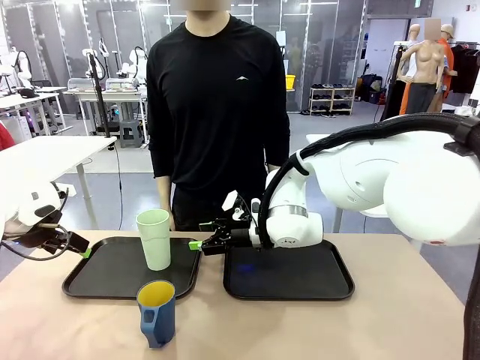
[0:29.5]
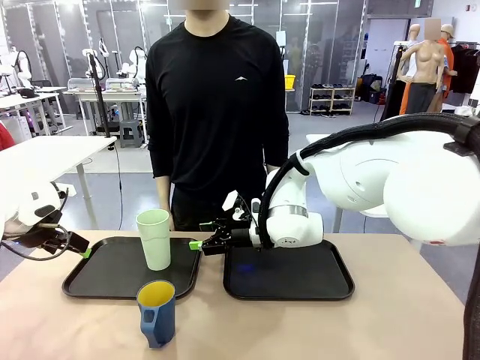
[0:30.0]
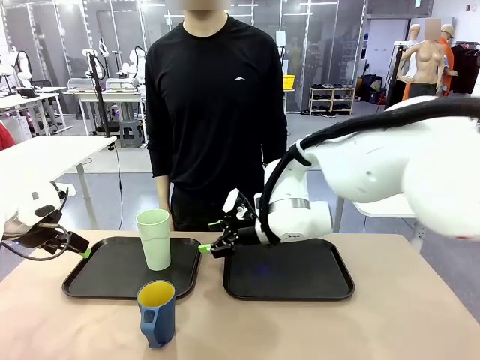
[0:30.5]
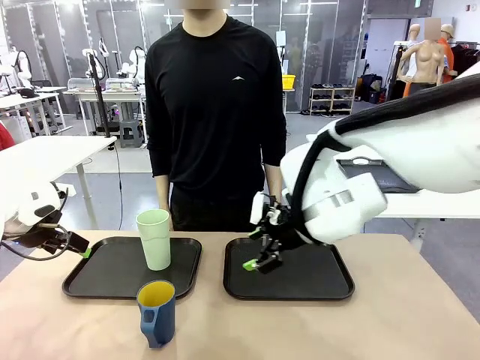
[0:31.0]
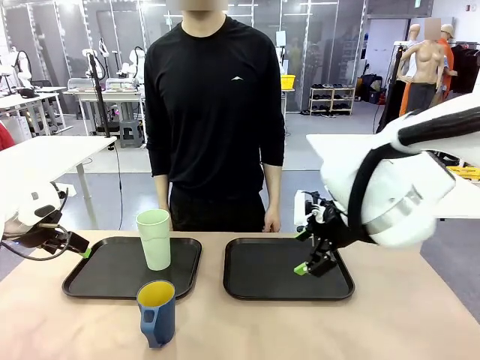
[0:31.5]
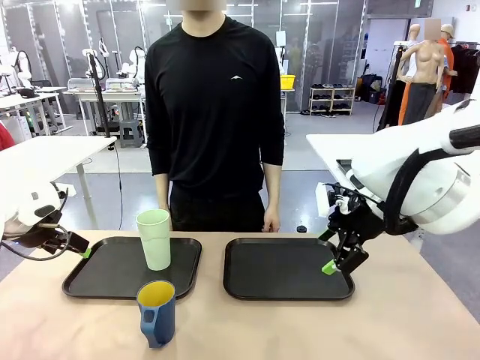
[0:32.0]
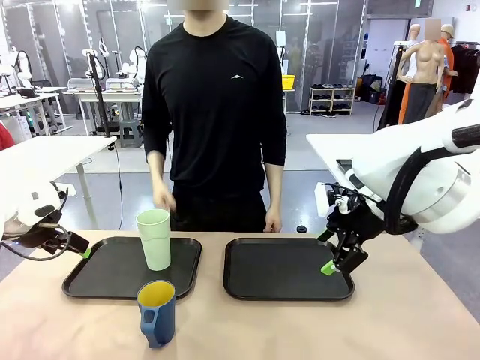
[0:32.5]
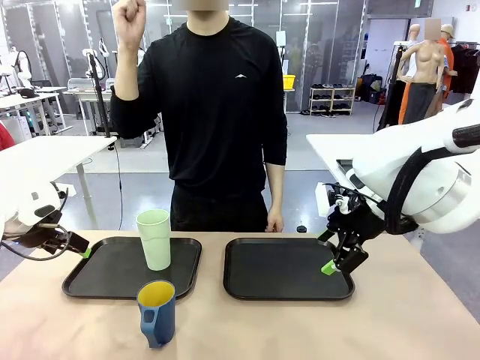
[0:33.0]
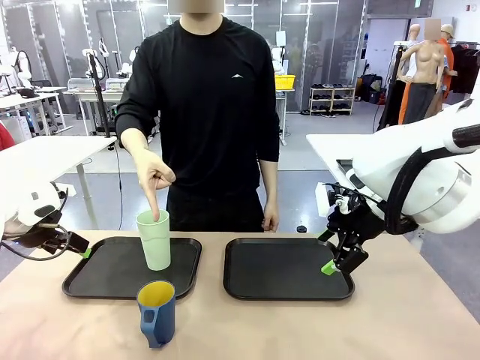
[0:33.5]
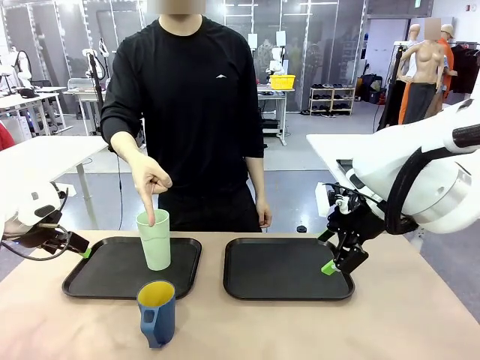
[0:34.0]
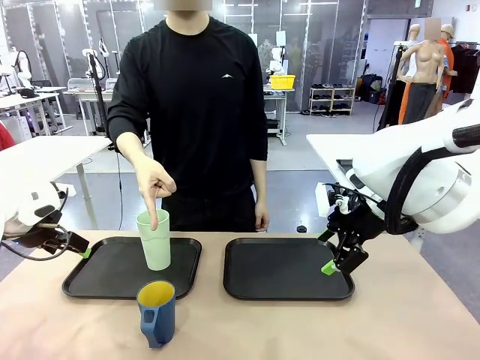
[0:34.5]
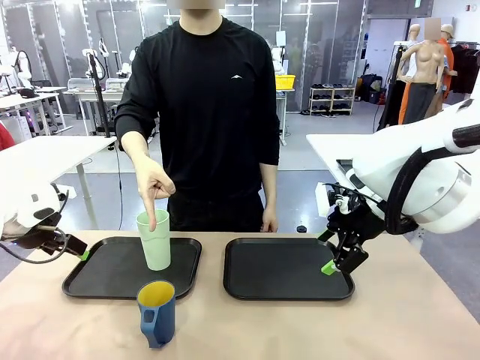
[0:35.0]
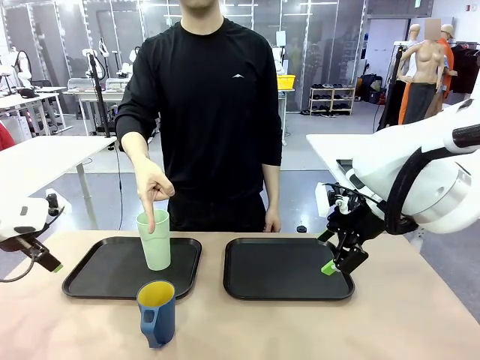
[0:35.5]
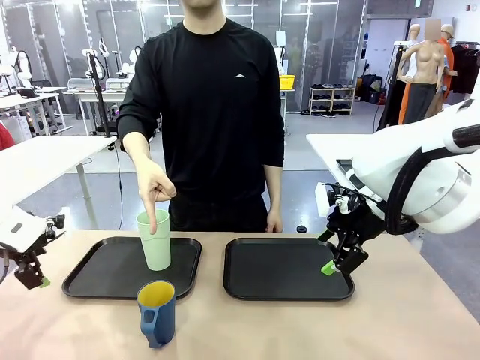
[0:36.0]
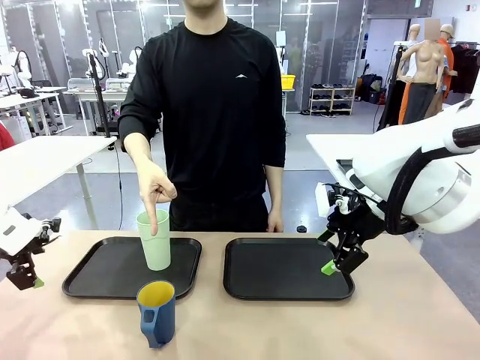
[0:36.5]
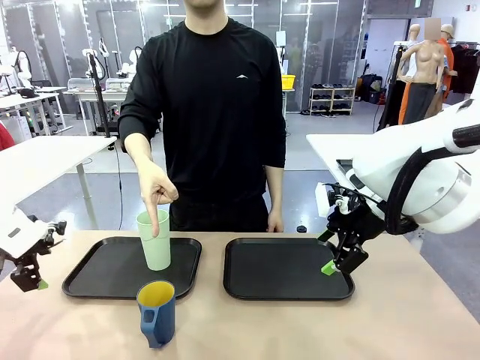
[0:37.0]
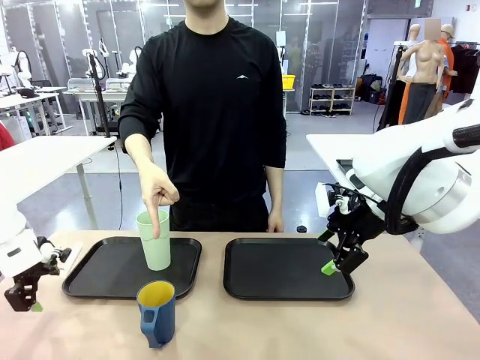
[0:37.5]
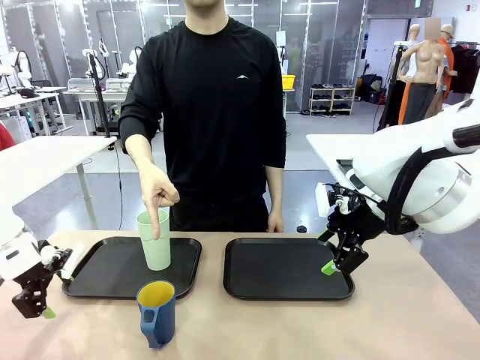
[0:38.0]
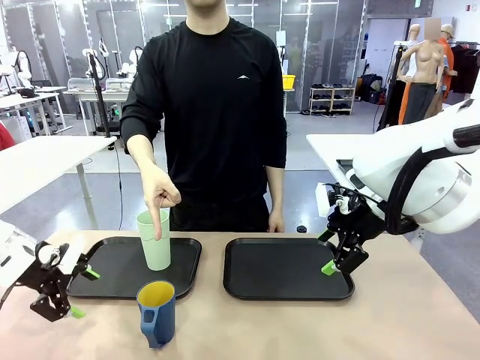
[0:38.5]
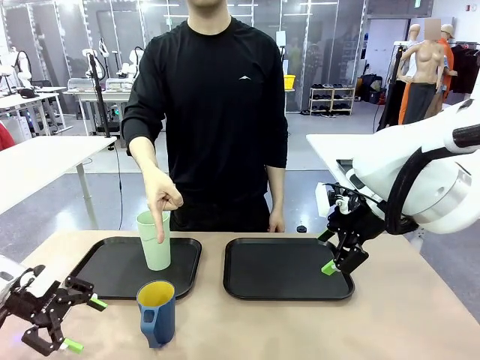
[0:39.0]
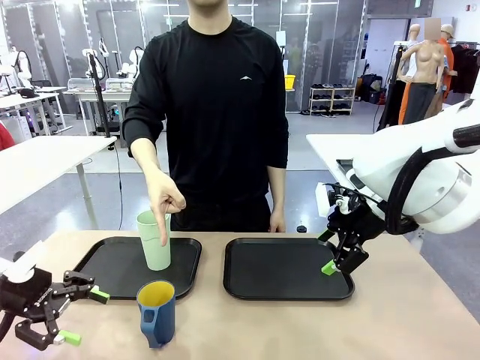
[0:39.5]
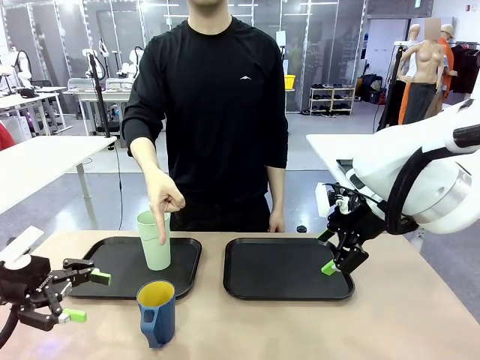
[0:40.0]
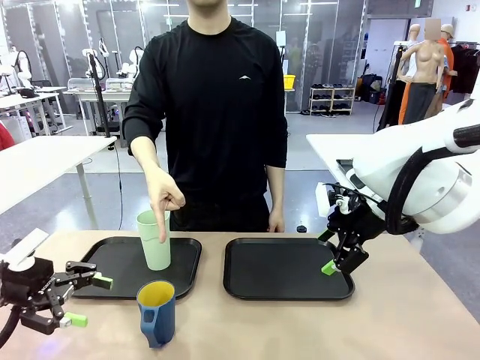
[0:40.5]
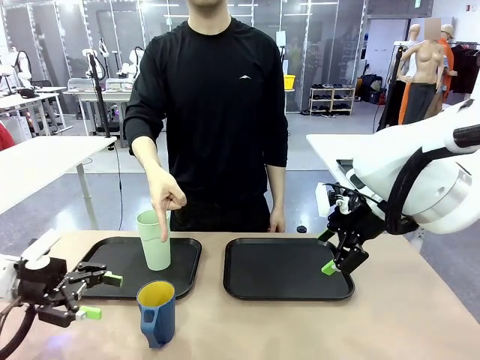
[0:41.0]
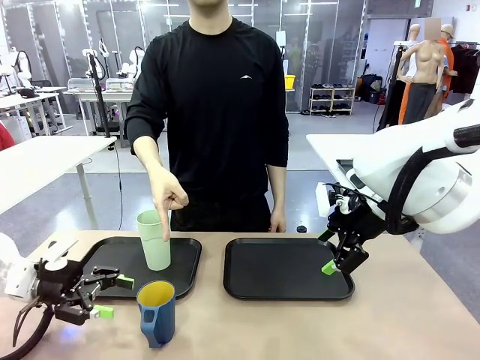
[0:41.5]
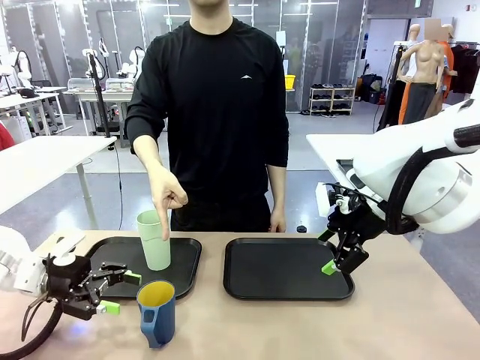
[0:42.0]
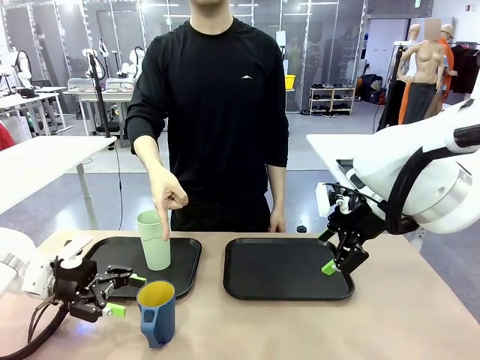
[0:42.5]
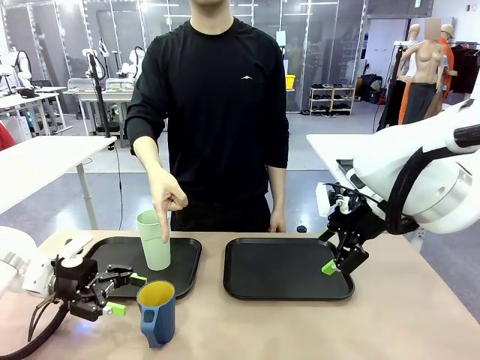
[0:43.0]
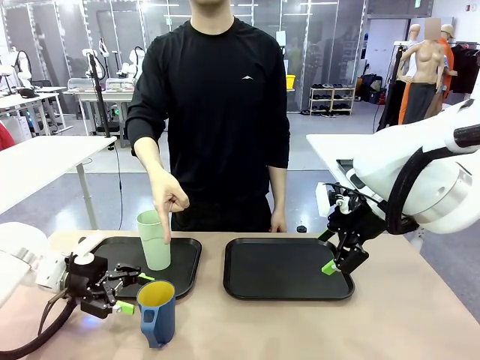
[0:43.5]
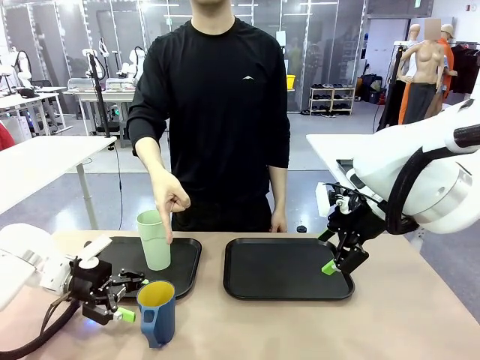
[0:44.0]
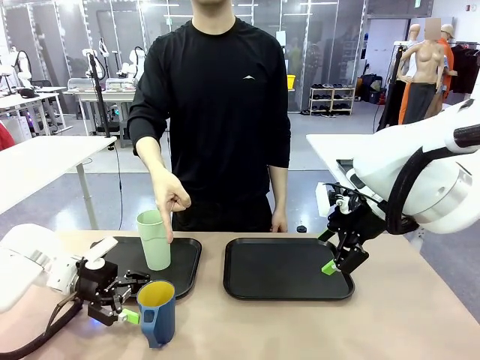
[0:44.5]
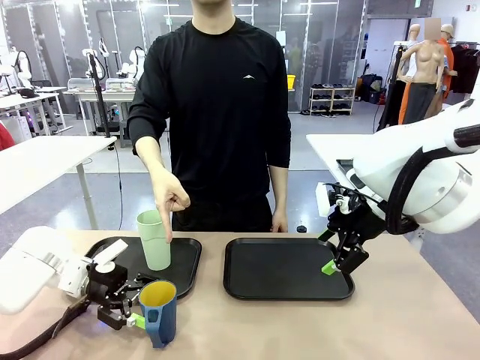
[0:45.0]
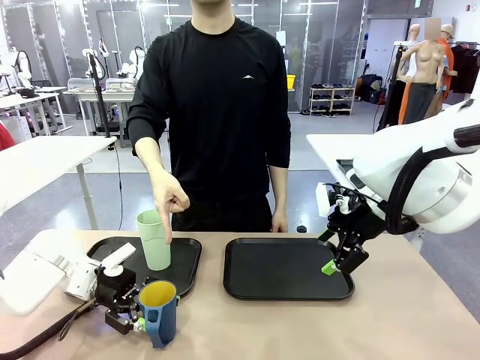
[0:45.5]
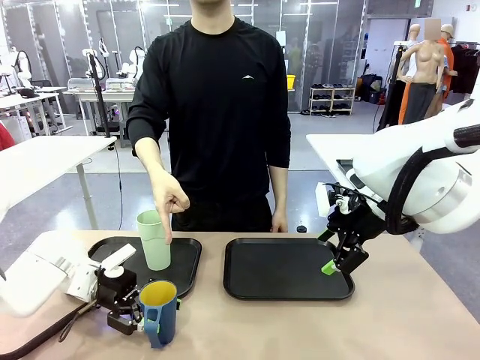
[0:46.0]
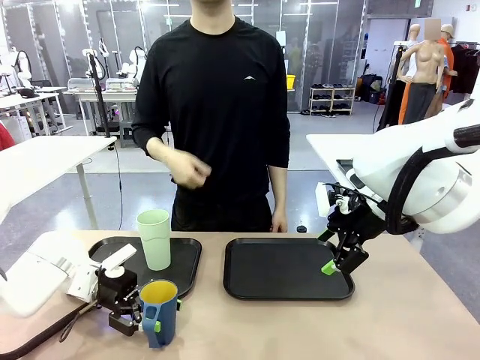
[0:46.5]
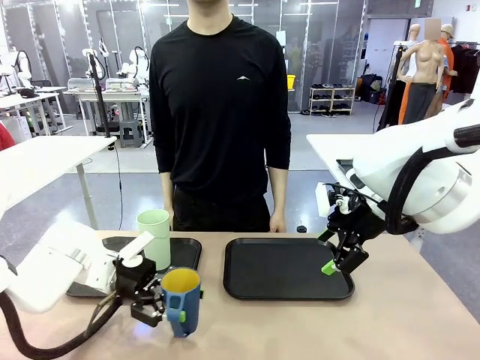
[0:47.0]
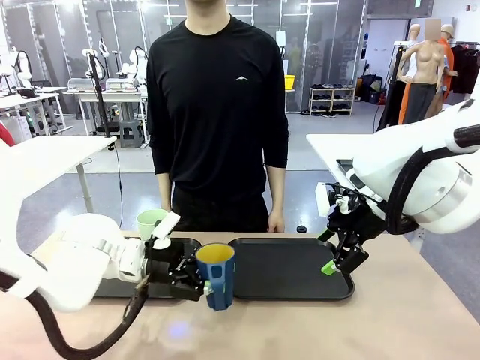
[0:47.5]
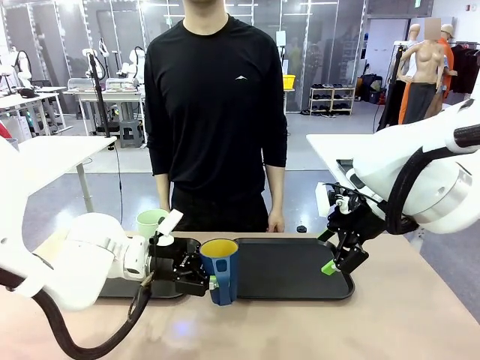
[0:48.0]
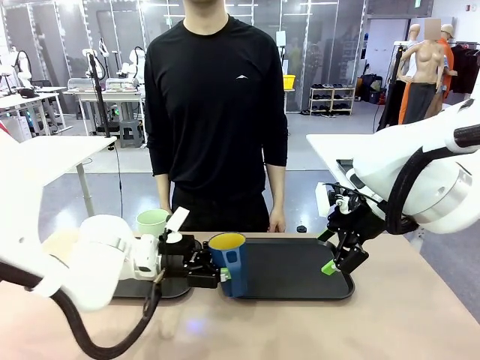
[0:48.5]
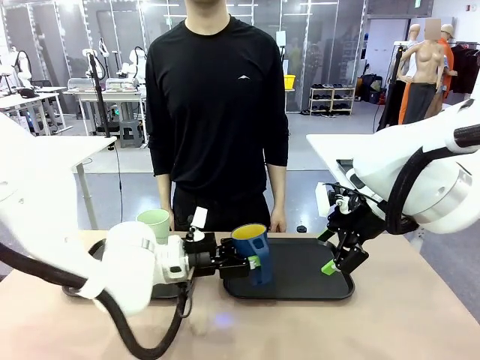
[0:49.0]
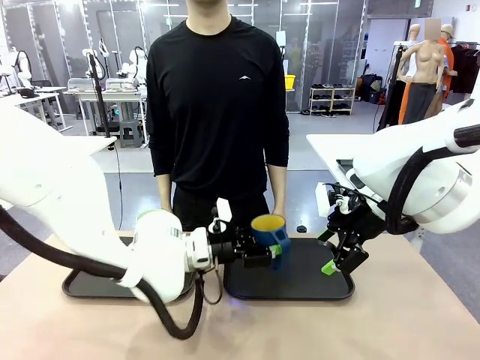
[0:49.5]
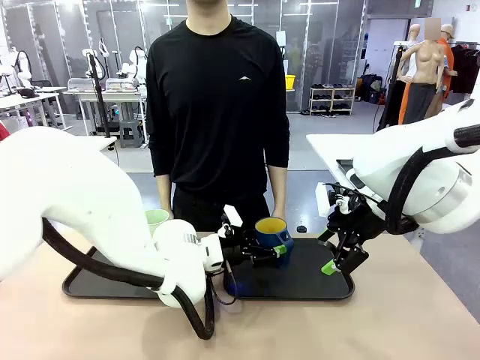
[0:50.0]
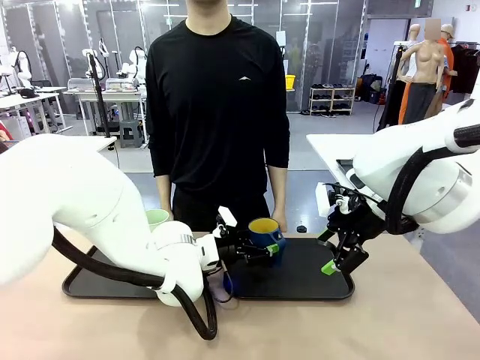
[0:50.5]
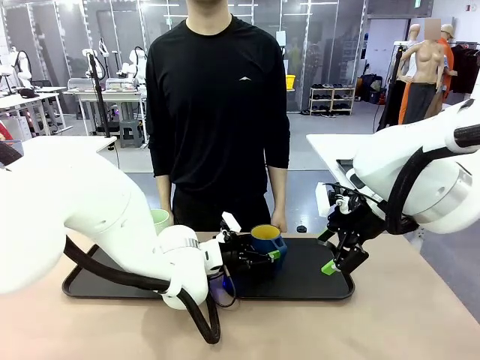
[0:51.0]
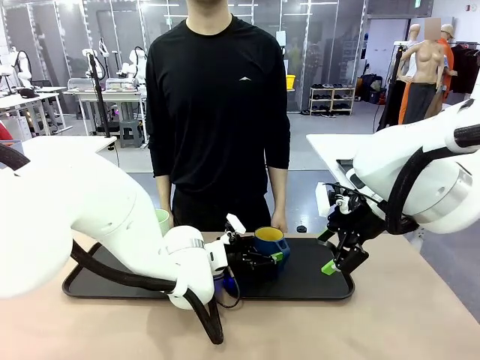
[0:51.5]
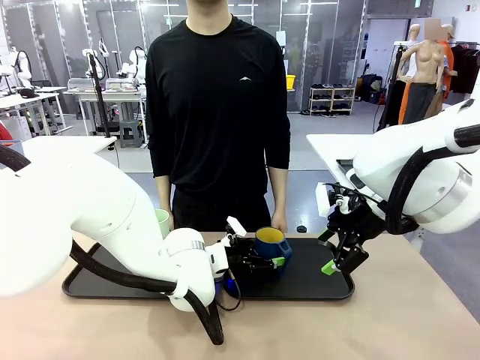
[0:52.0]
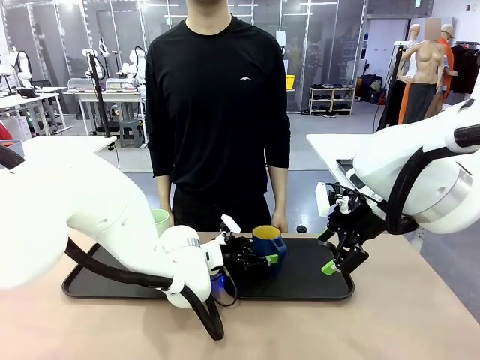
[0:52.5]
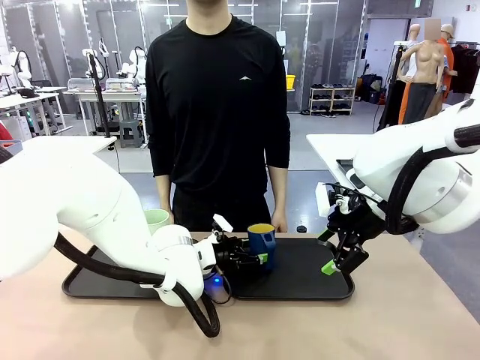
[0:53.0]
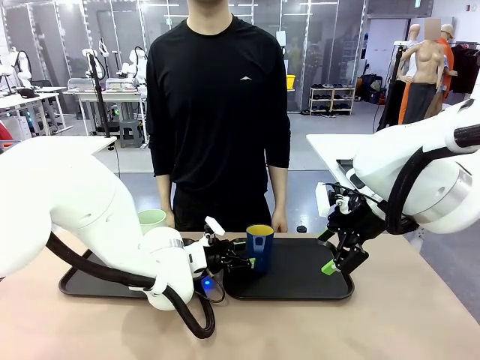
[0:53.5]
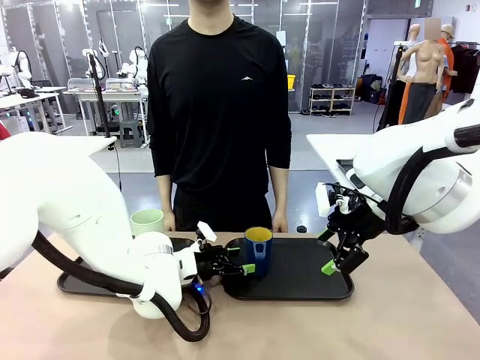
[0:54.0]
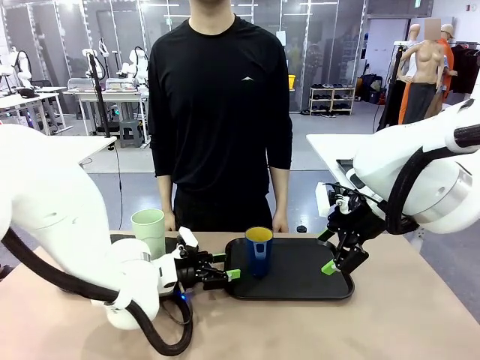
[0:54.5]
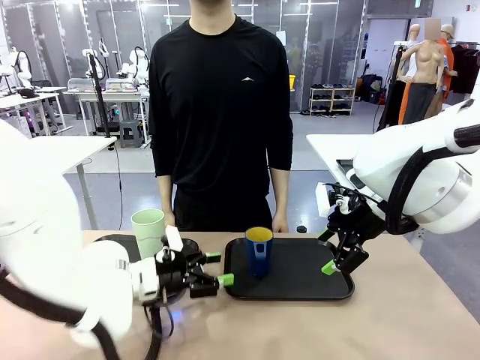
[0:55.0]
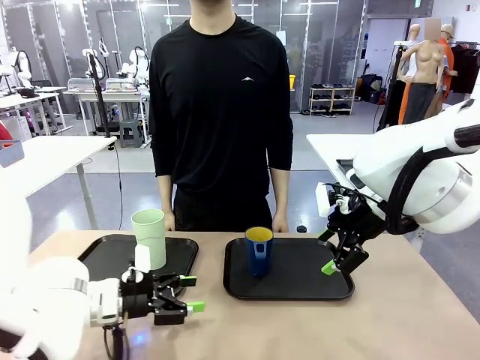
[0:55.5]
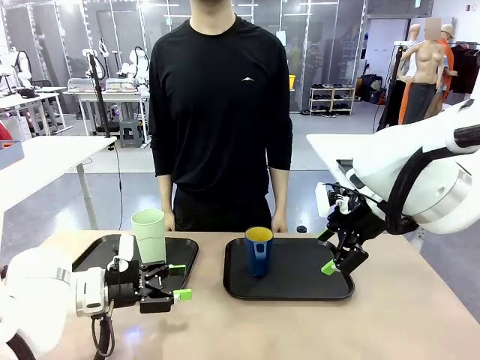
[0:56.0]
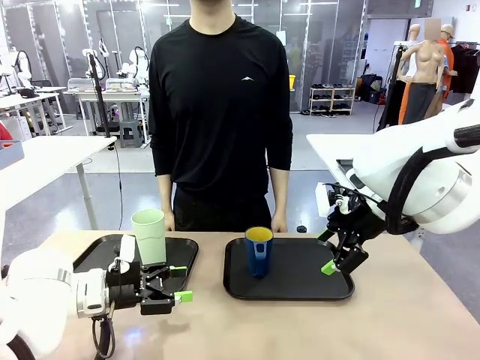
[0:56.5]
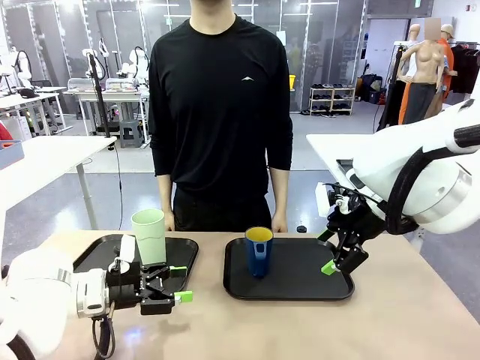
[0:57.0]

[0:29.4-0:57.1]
Task: Sort and store the cups by type.
Robot: Pick up the Handle plastic cup and place it into the empty Flat Tray.
Person: Points to the cup with a handle.
